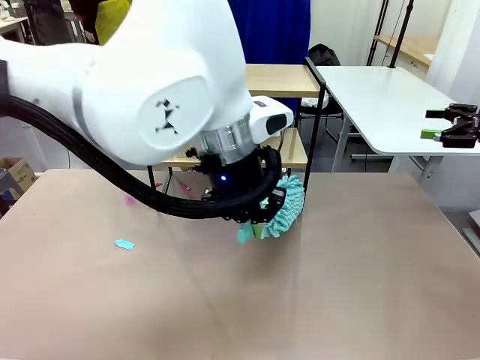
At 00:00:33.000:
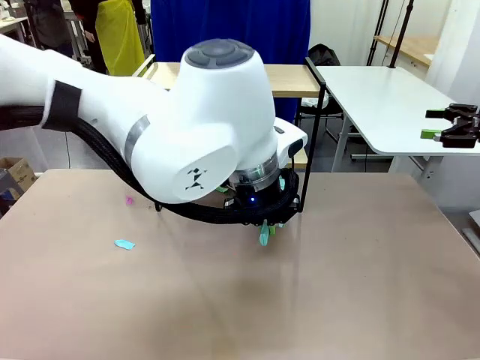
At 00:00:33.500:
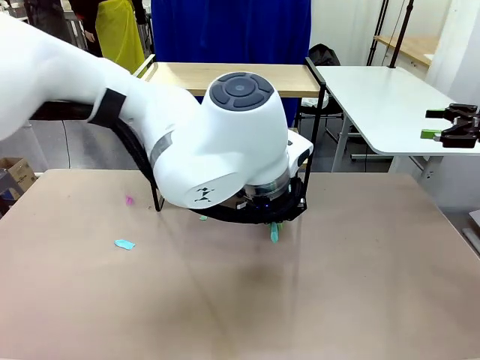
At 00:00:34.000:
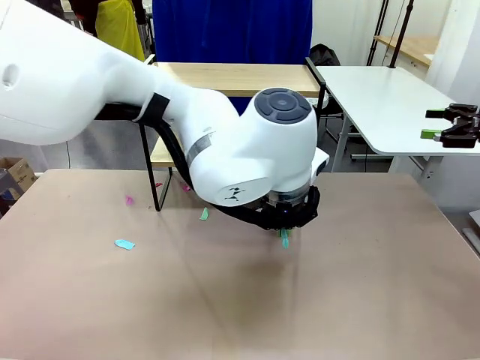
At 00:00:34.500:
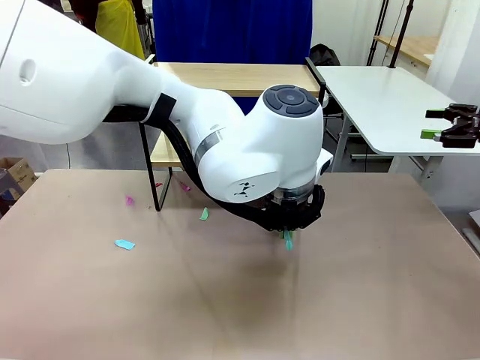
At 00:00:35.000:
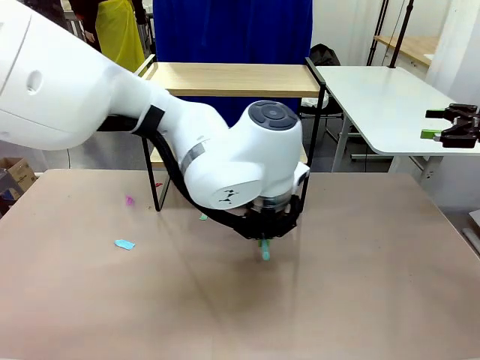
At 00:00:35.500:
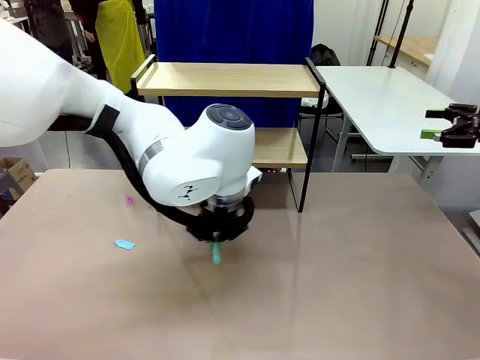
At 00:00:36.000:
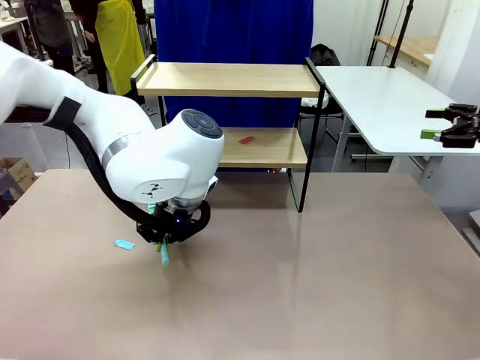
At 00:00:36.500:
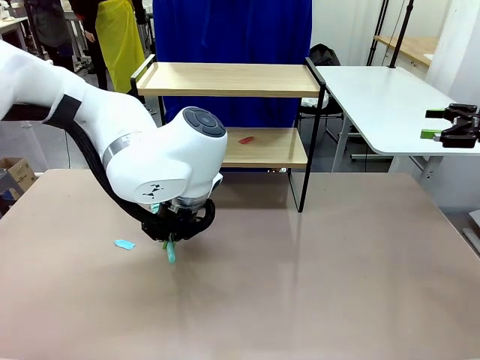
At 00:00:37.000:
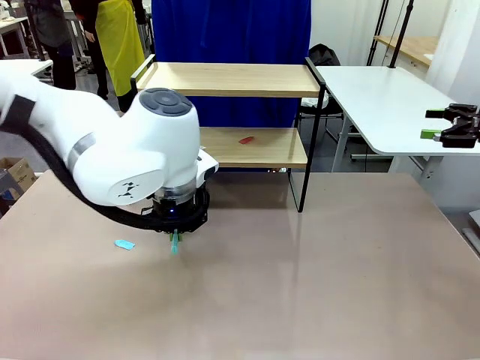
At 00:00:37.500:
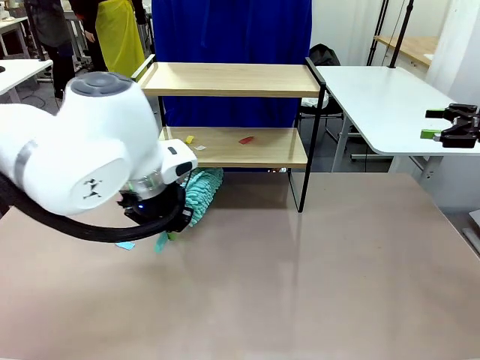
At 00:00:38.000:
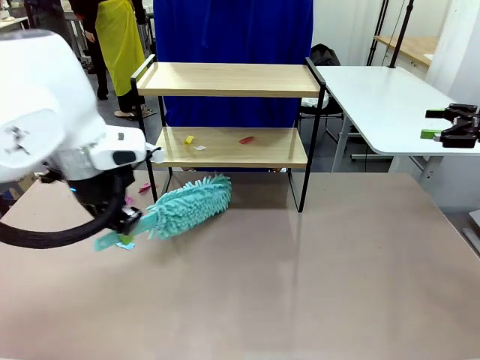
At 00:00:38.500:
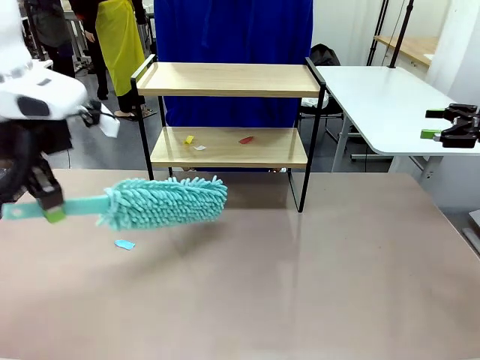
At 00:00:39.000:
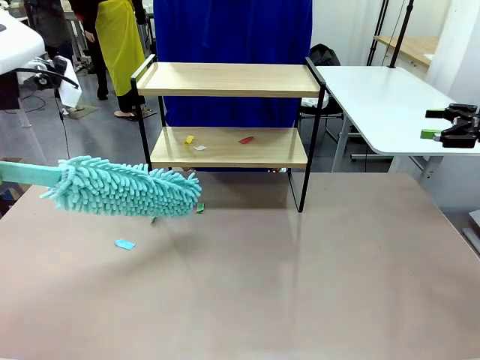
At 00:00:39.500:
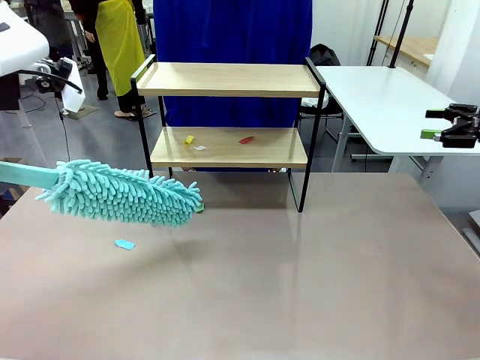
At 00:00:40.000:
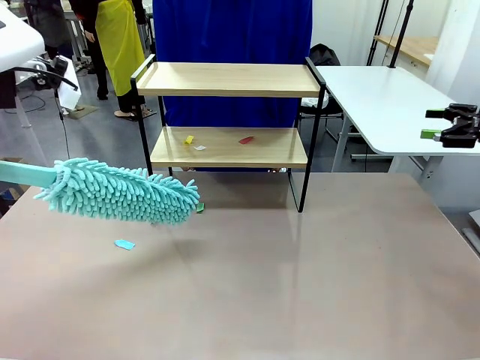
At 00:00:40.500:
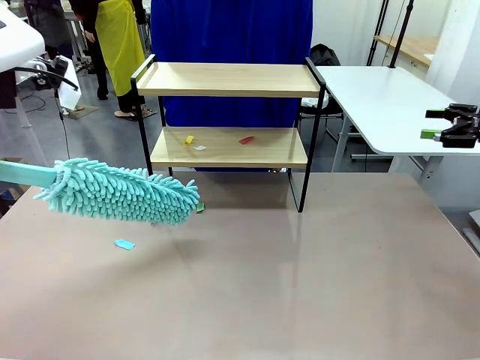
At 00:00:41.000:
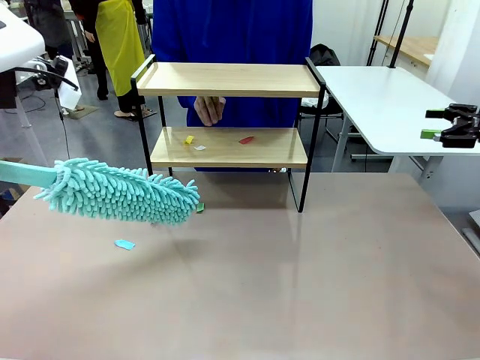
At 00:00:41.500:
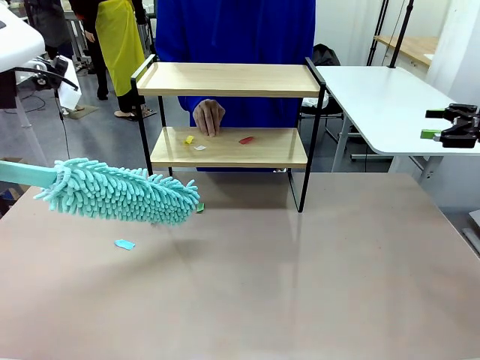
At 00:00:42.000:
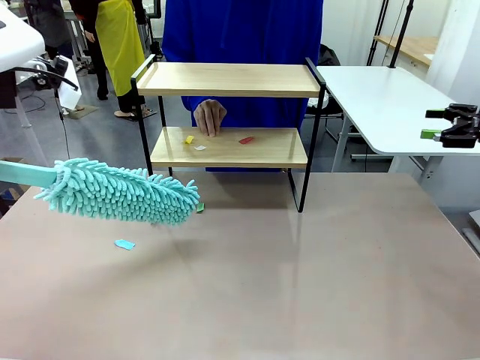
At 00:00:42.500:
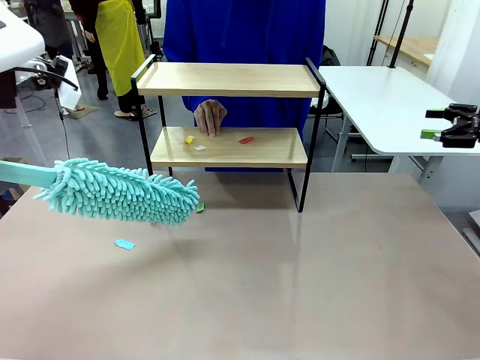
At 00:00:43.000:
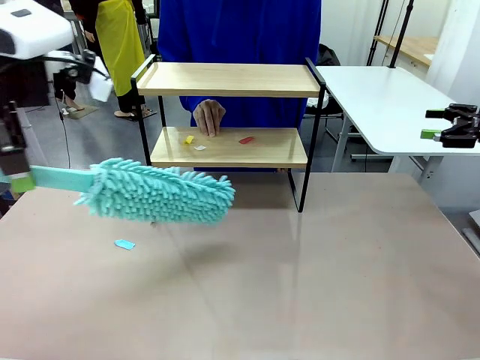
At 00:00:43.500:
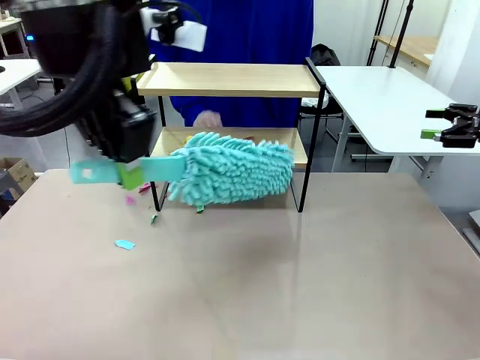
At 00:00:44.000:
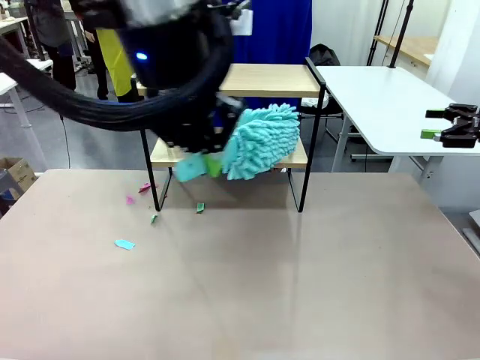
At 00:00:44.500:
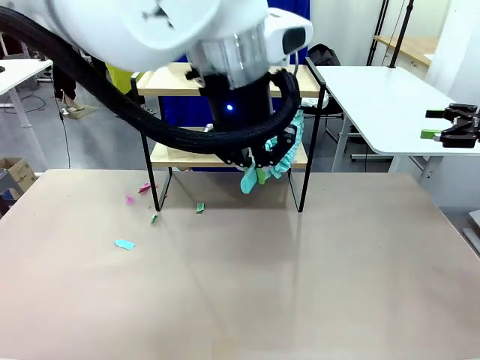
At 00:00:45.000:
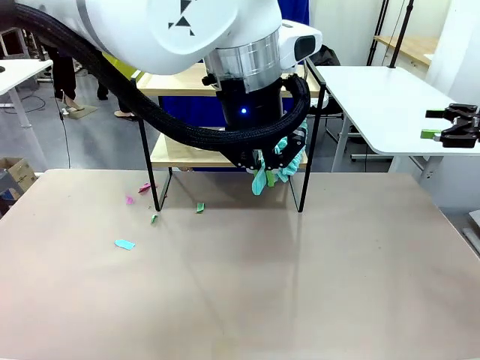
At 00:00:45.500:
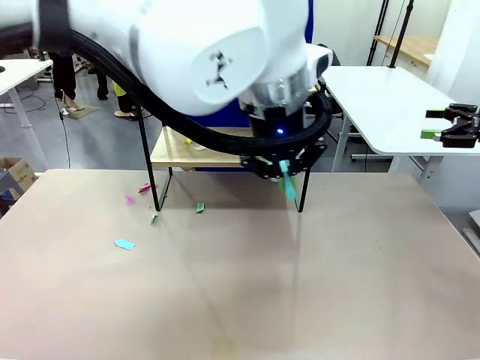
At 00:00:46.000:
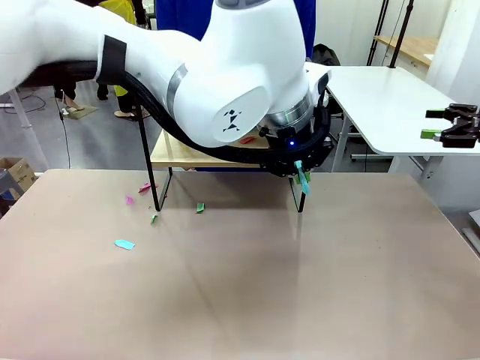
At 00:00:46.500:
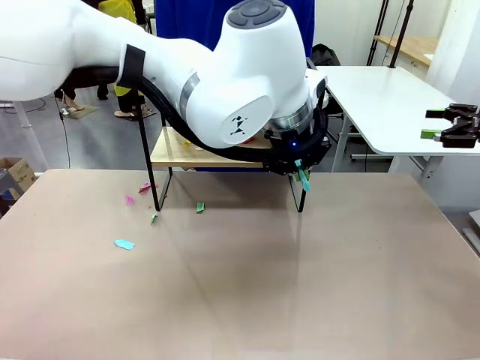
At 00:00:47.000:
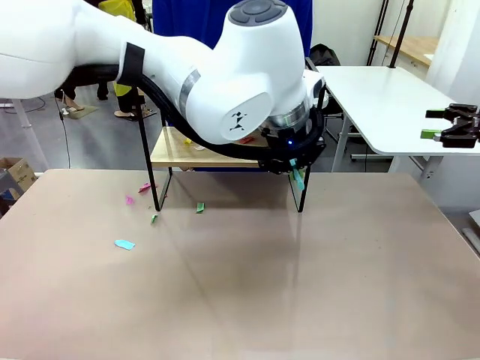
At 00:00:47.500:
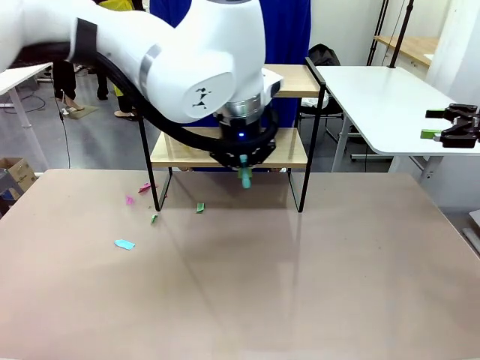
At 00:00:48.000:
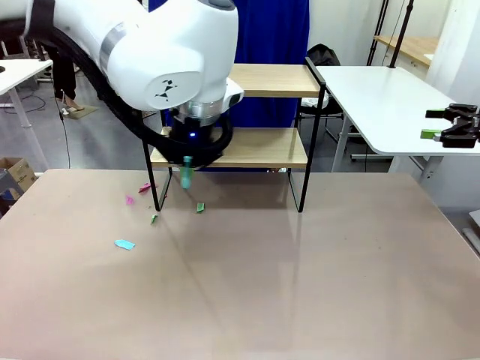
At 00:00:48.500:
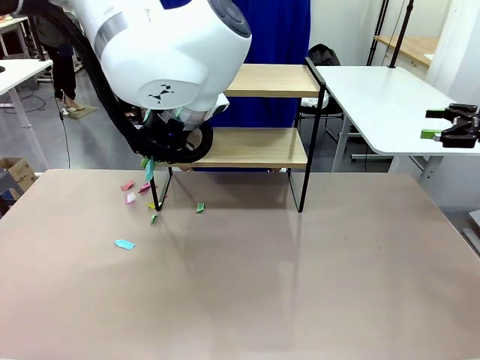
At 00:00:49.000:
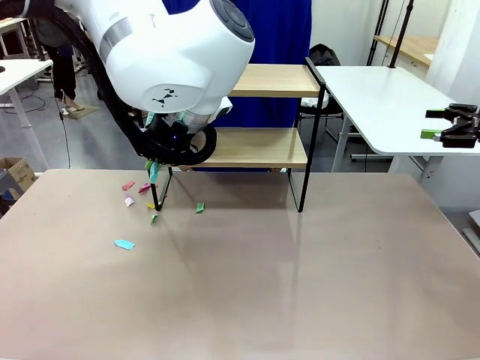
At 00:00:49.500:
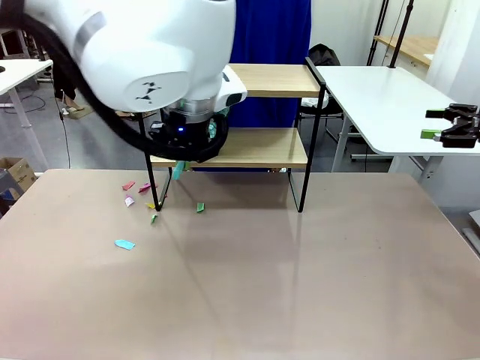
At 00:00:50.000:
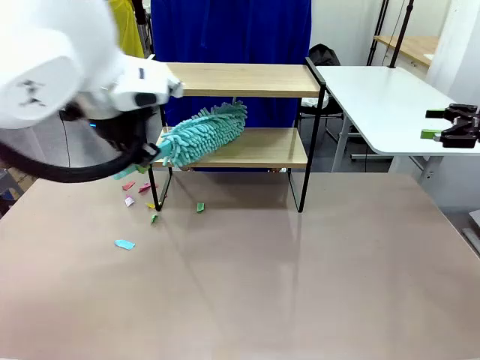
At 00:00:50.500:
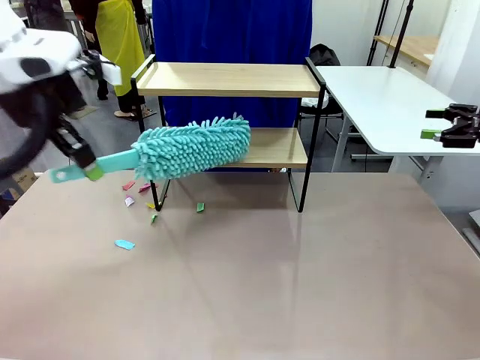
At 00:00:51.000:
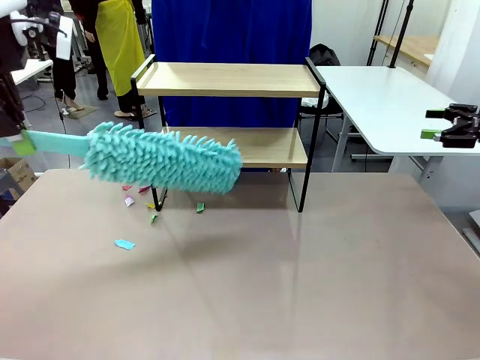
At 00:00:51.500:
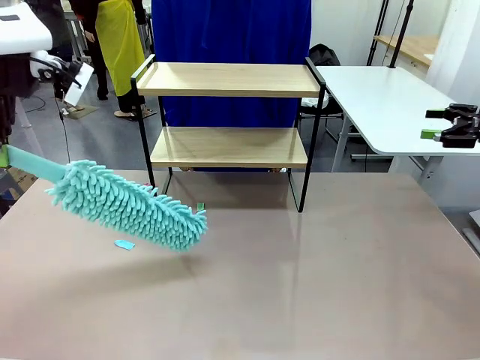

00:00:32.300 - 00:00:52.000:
Task: Clean the shelf.
Robot: Clean the specific section of the Shelf indicated by the human with the Duster.
Person: Point a remaining section of the Shelf.

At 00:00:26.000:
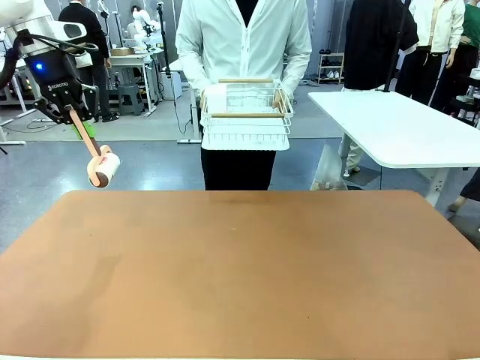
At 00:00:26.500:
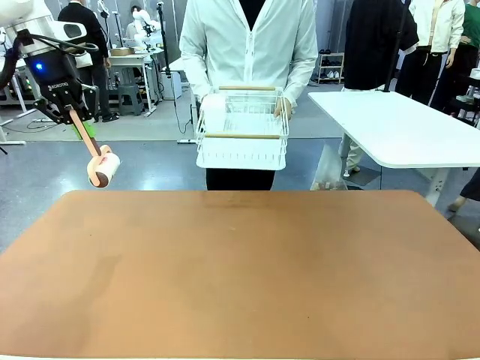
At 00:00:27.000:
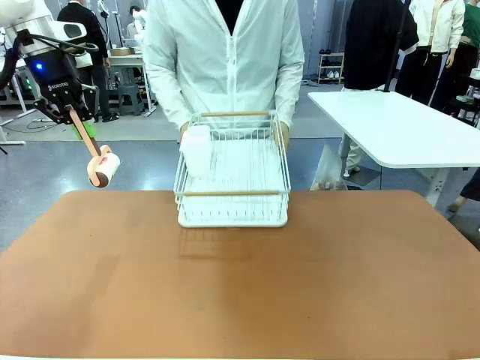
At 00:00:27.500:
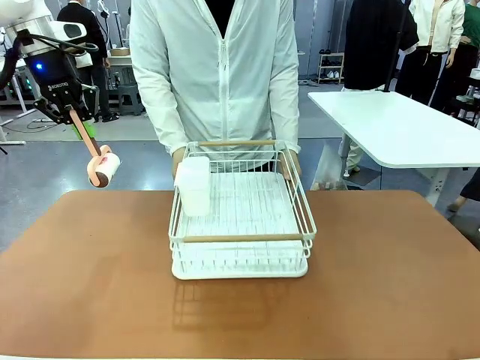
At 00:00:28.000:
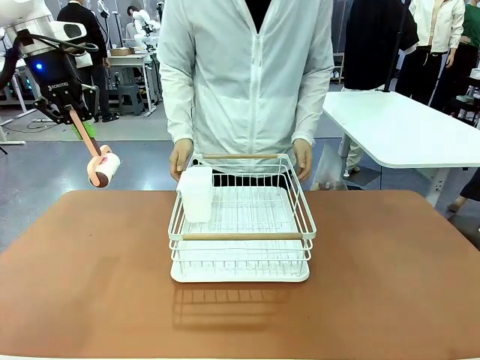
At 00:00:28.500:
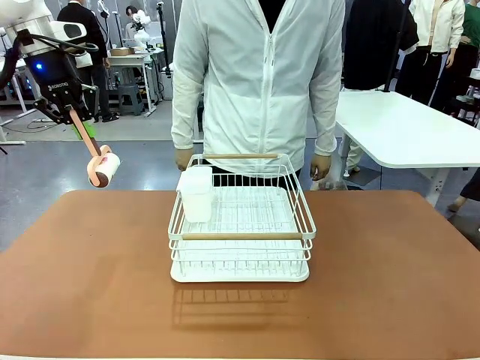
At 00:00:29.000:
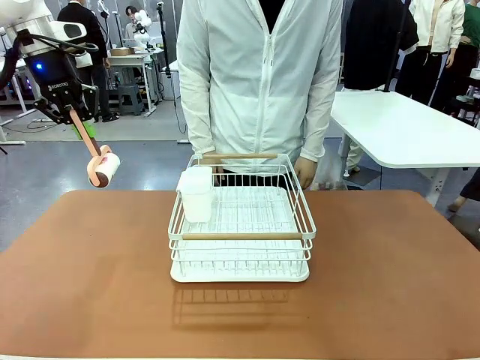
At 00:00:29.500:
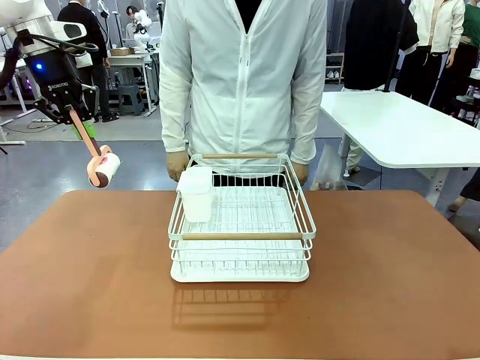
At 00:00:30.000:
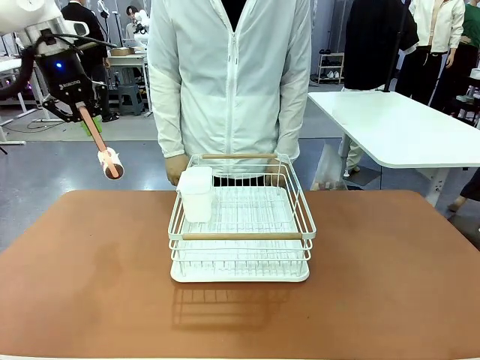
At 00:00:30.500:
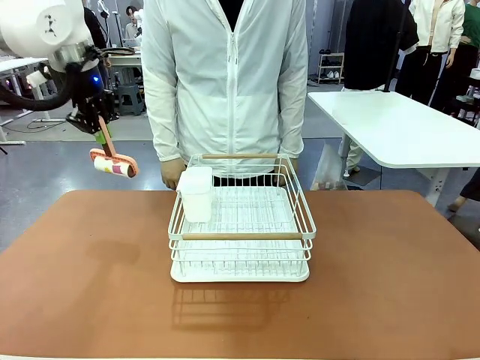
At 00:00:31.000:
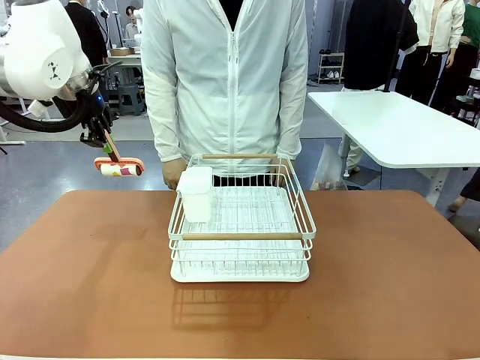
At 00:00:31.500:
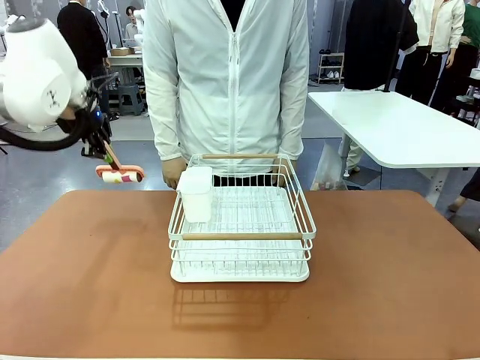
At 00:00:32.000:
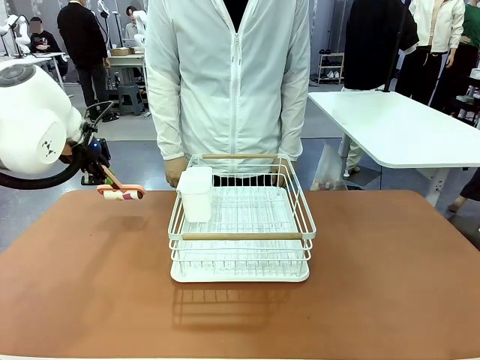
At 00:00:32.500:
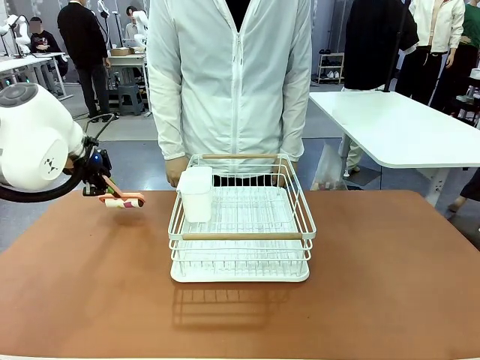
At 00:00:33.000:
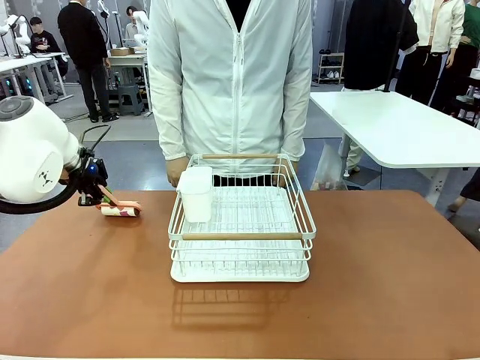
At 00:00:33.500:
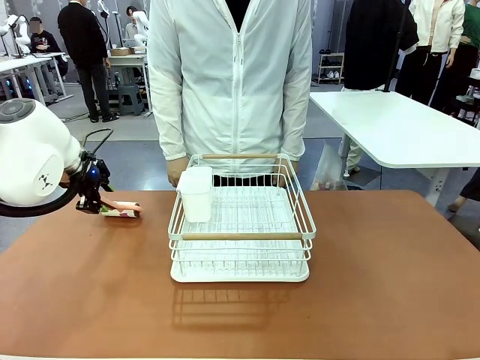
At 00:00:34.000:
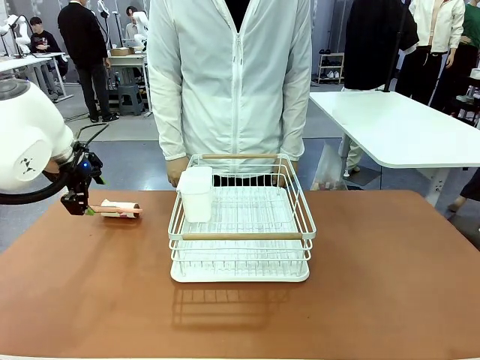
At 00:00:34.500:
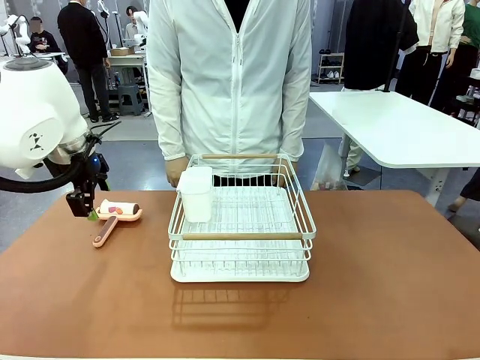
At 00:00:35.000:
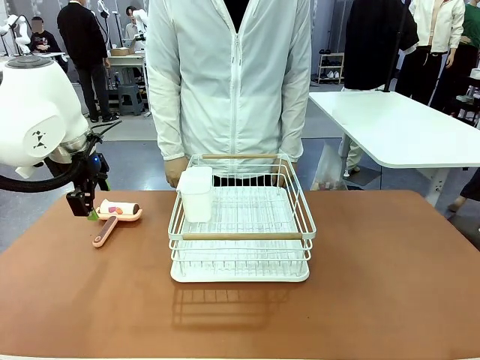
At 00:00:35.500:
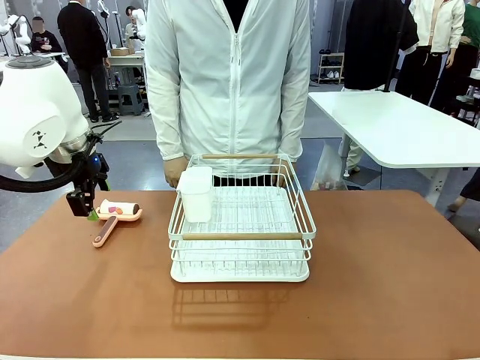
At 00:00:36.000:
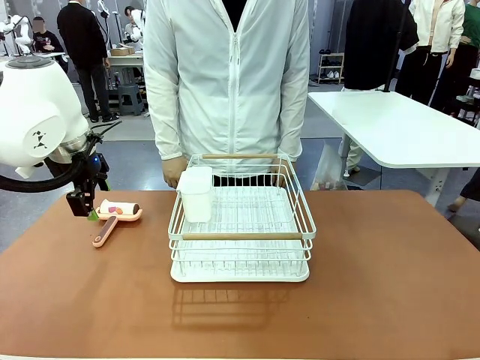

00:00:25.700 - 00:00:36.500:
Task: Clean the table.
Robot: Place the Lint Roller down when the Dish drying rack is positioned in the middle of the table.
Person: Place the Dish drying rack down when the robot finishes cleaning.
